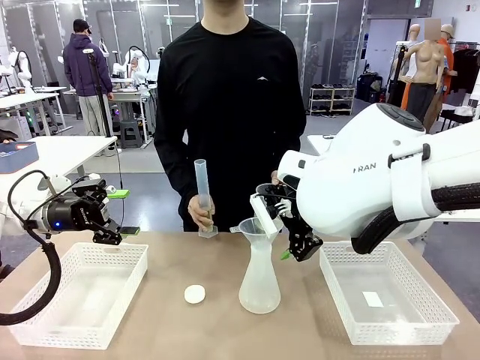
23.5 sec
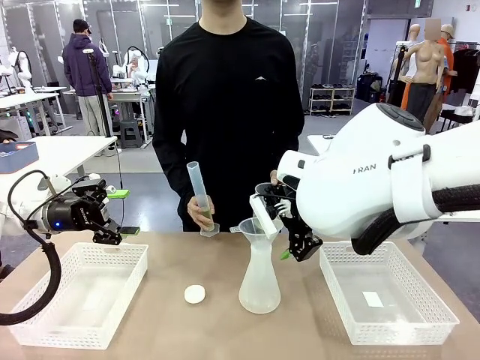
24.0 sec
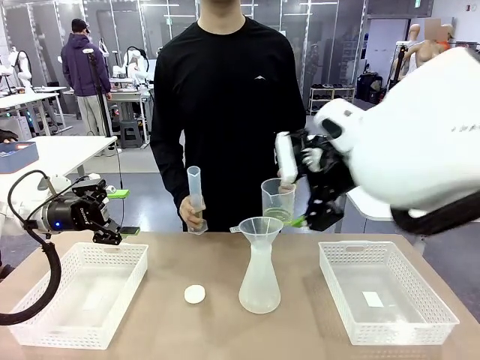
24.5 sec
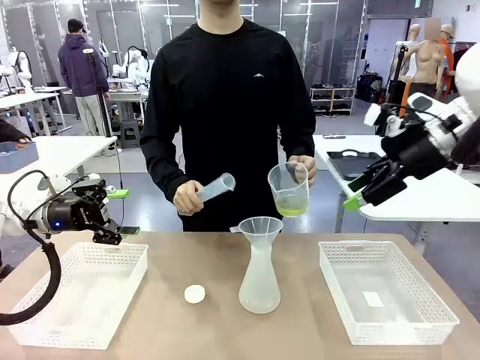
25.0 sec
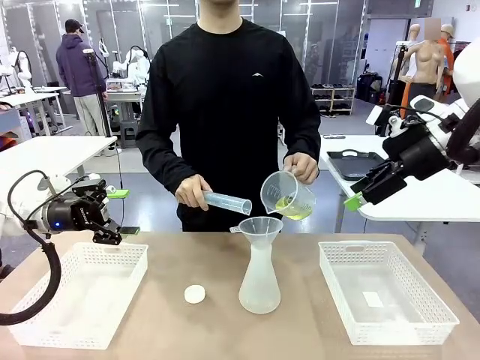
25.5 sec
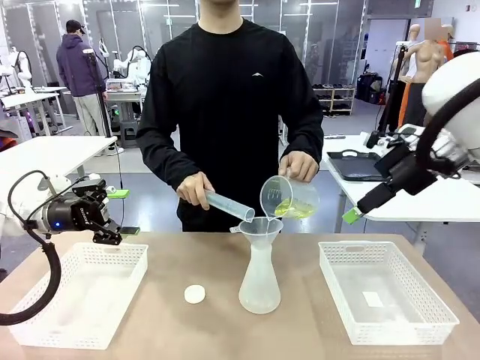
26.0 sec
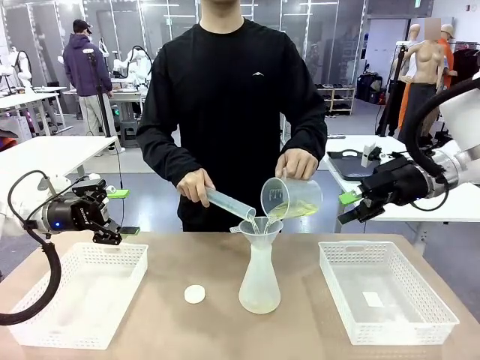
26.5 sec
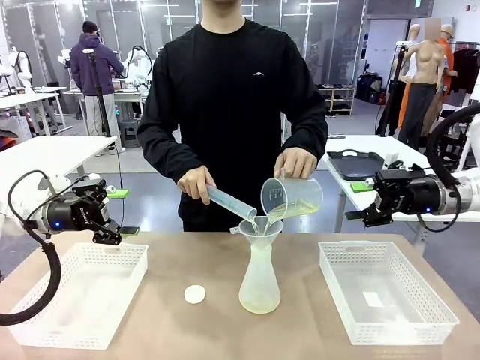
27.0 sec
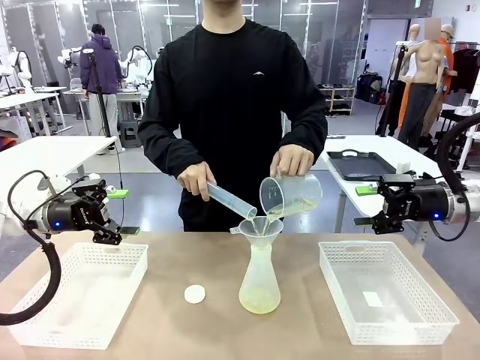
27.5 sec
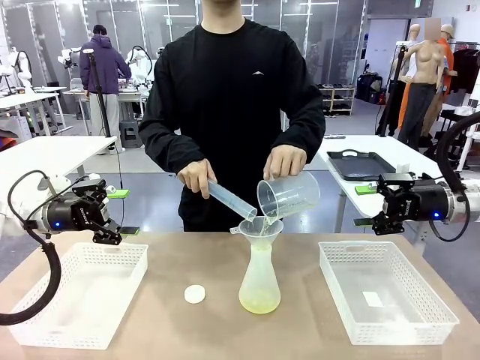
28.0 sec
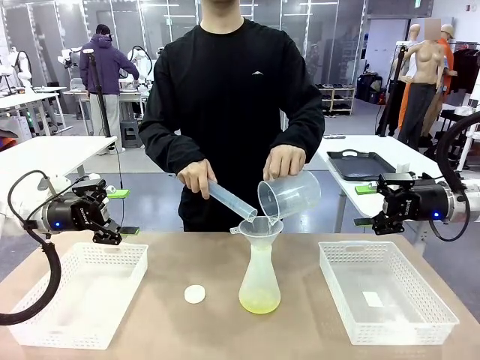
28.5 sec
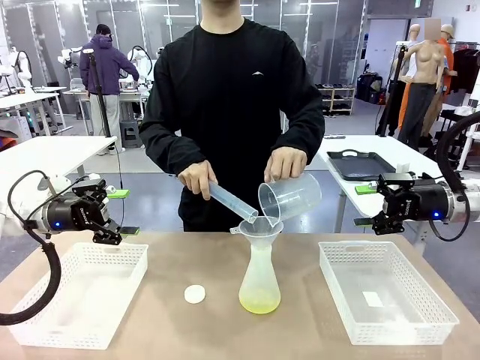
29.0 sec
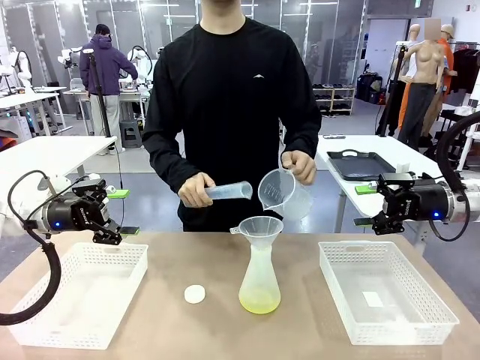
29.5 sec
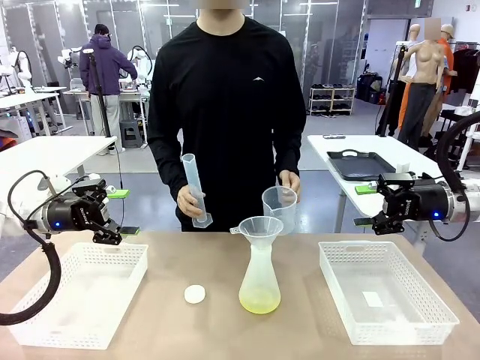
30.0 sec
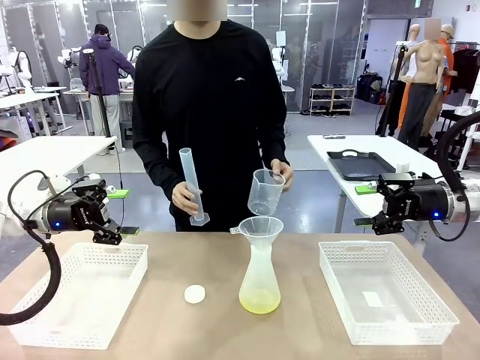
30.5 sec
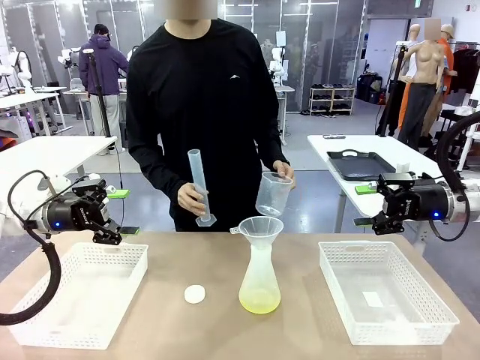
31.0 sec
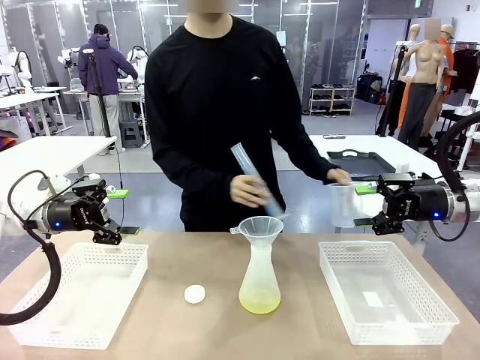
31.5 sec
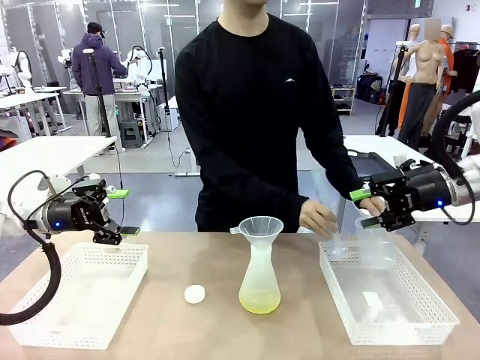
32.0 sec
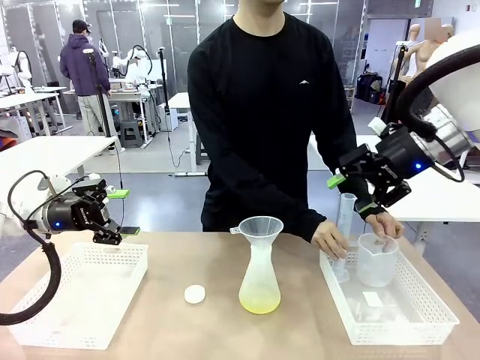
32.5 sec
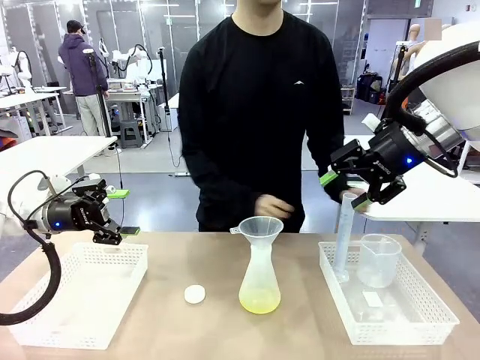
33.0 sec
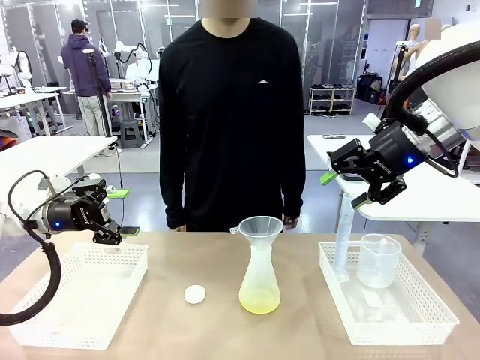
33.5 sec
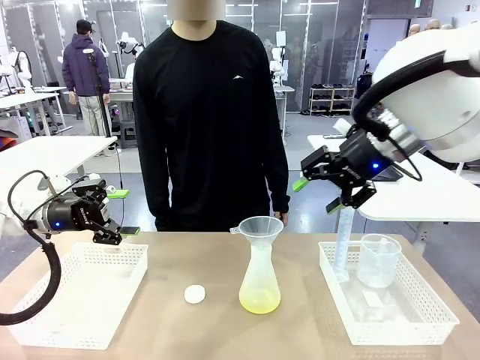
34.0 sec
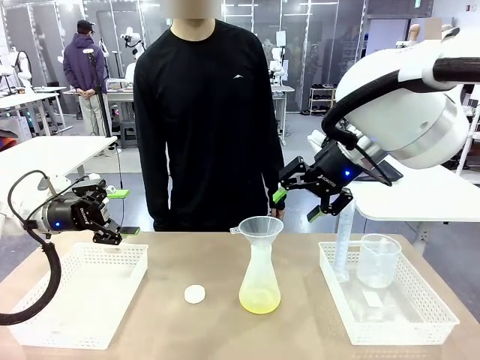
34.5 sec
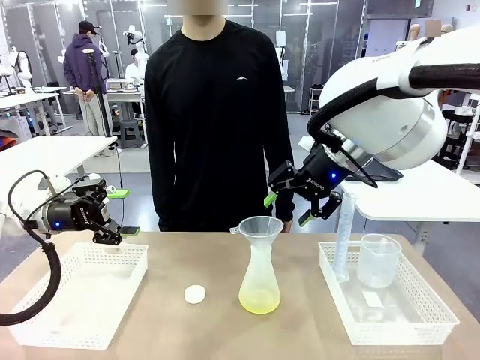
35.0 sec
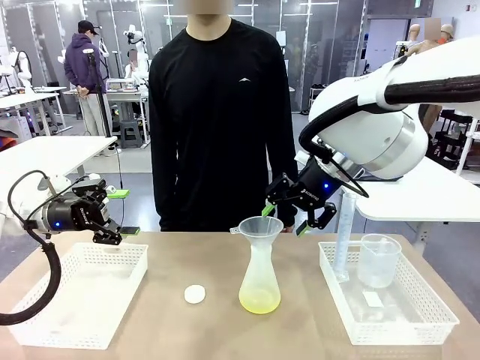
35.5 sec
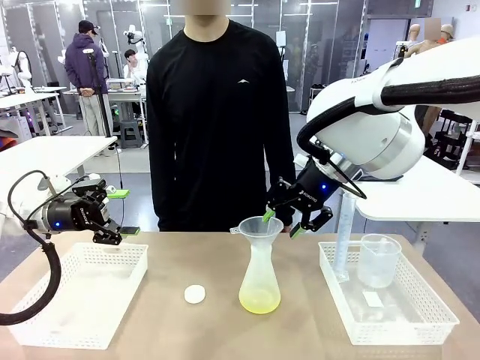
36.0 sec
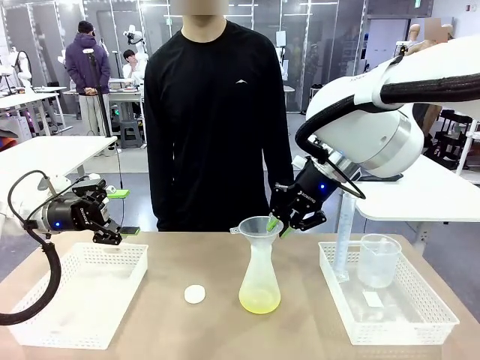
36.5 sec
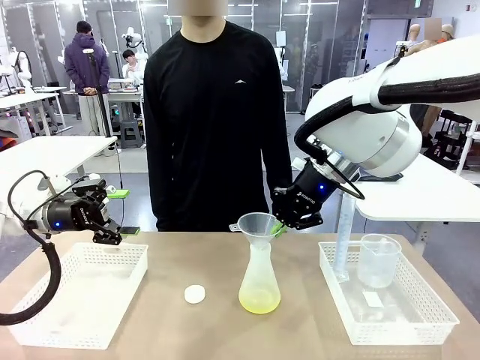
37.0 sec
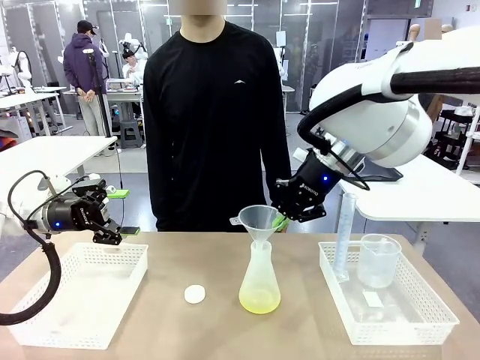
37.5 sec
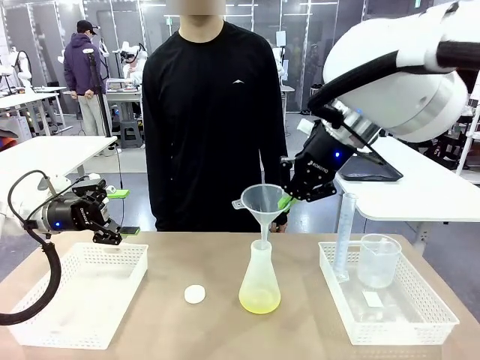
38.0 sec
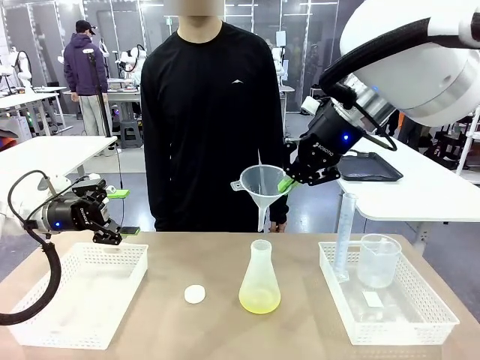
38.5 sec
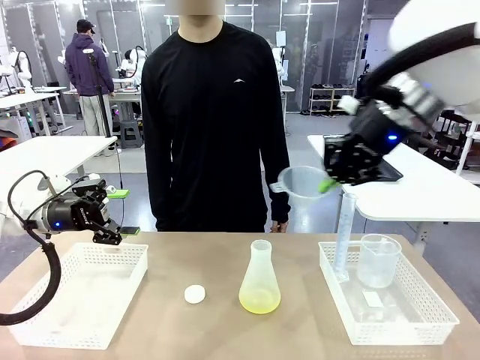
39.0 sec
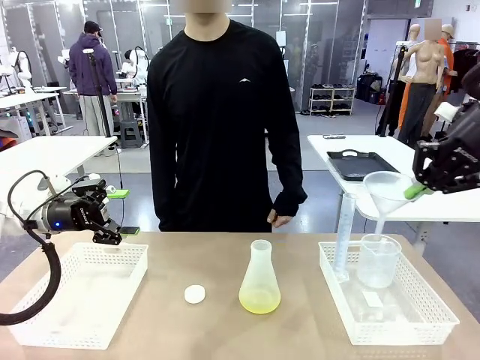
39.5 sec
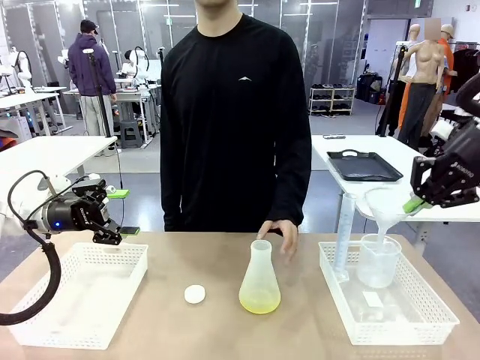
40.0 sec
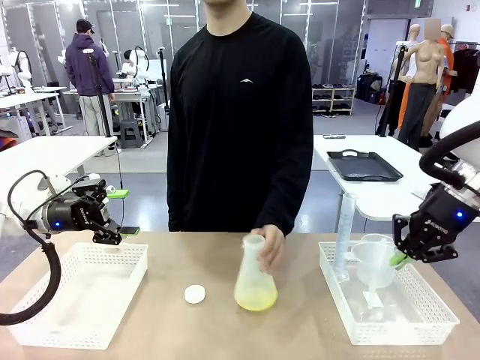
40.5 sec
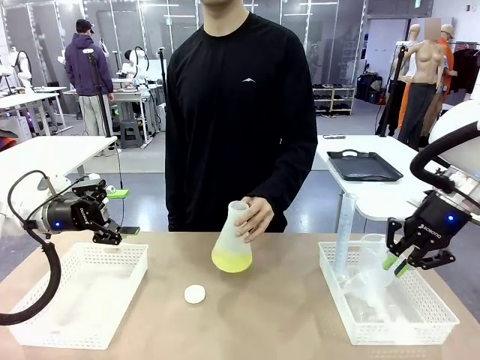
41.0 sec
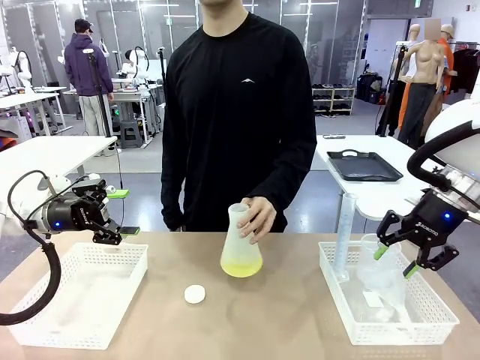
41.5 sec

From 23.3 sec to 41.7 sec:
Task: Prepare the solutions needed for the experiment.
Robot: Once the solution is in the Big flask , pick up the Plastic Funnel and place it back into the right Organizing basket.
Person: Place the beaker and the cylinder into the organizing basket on the left side. Pick up the flask, gently shake it 2–3 times, place it in the middle of the robot table, and close the lid.
